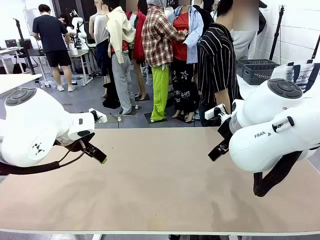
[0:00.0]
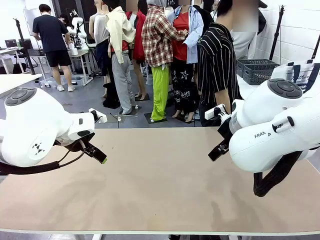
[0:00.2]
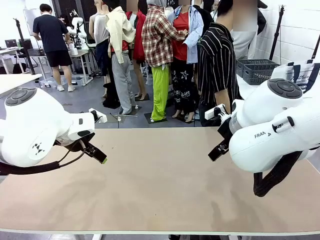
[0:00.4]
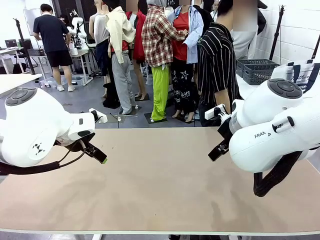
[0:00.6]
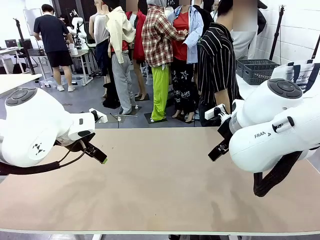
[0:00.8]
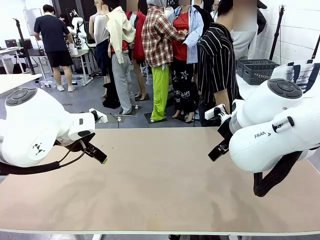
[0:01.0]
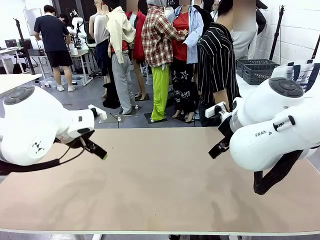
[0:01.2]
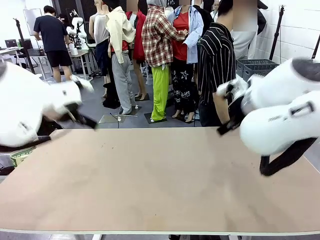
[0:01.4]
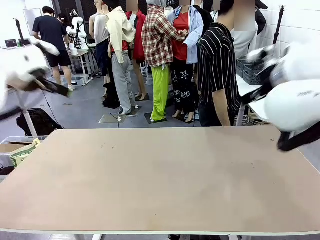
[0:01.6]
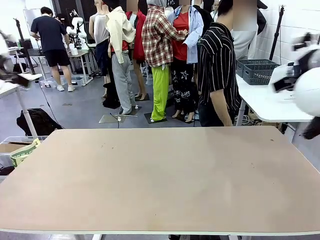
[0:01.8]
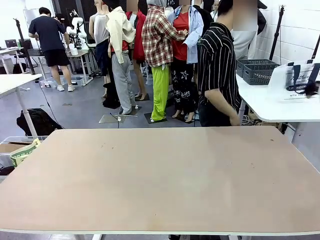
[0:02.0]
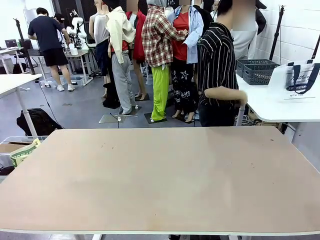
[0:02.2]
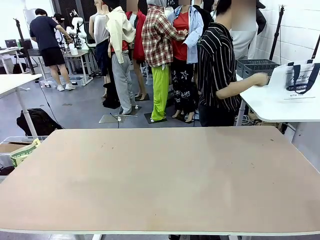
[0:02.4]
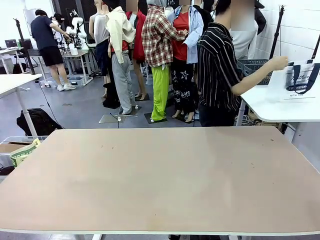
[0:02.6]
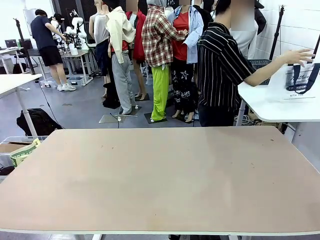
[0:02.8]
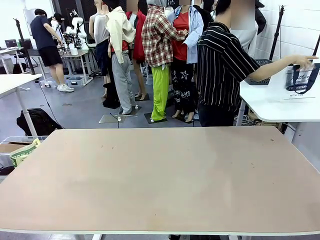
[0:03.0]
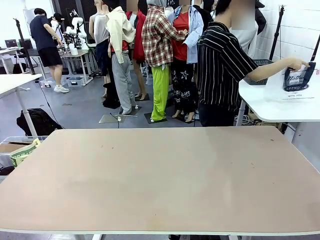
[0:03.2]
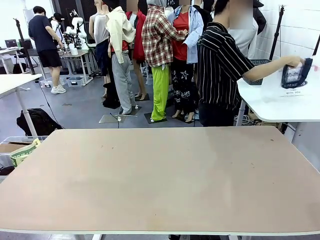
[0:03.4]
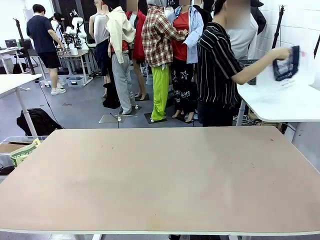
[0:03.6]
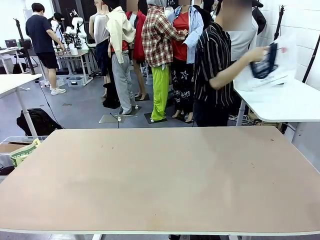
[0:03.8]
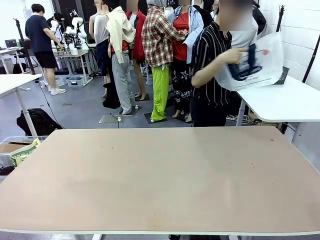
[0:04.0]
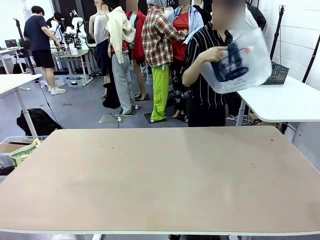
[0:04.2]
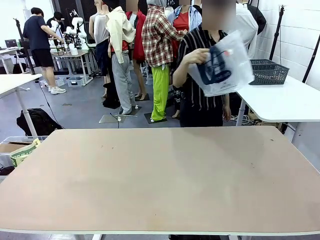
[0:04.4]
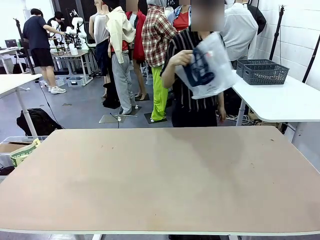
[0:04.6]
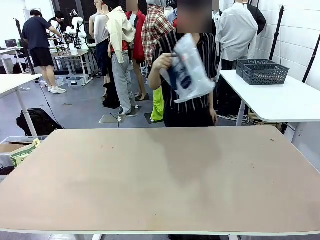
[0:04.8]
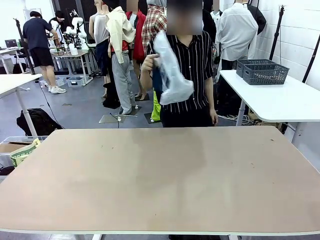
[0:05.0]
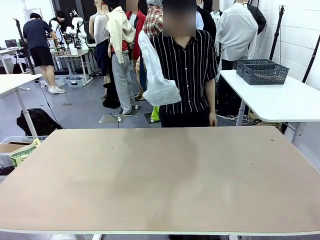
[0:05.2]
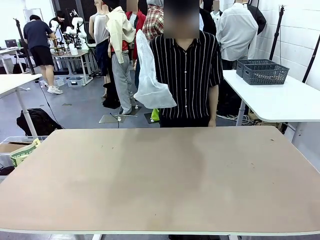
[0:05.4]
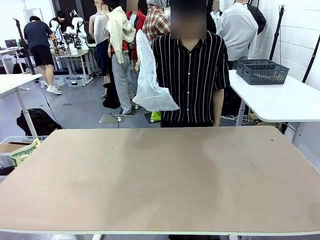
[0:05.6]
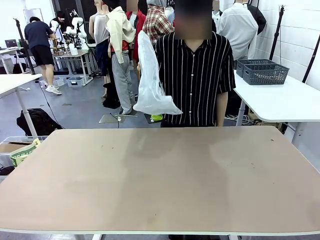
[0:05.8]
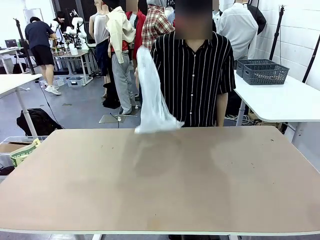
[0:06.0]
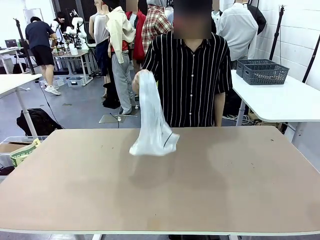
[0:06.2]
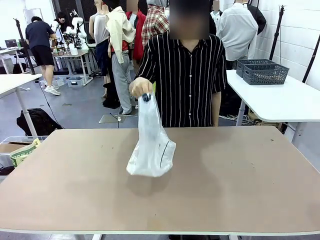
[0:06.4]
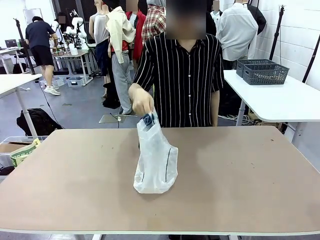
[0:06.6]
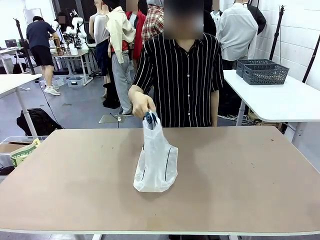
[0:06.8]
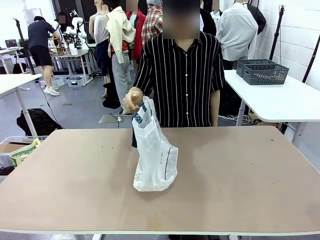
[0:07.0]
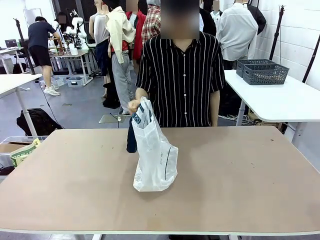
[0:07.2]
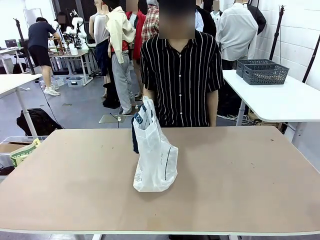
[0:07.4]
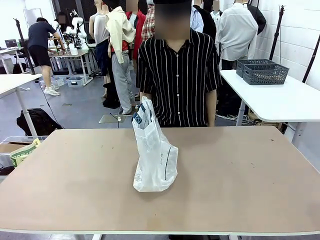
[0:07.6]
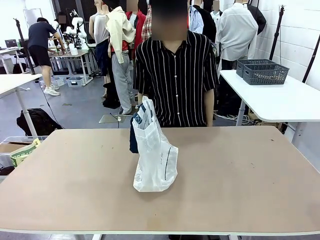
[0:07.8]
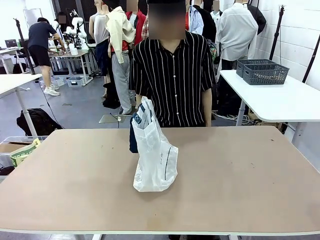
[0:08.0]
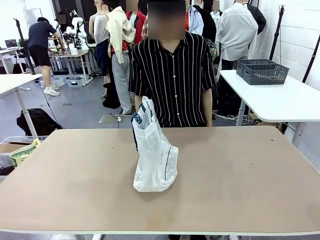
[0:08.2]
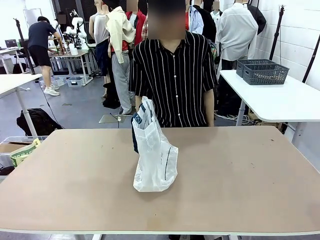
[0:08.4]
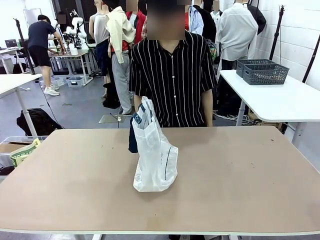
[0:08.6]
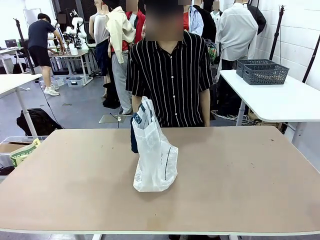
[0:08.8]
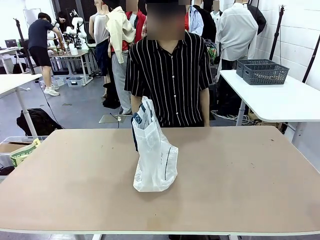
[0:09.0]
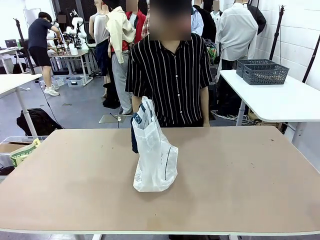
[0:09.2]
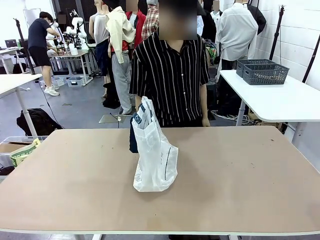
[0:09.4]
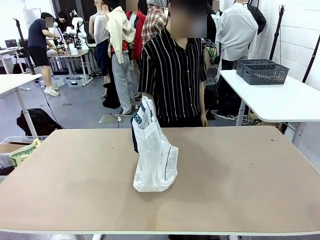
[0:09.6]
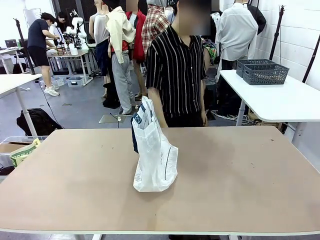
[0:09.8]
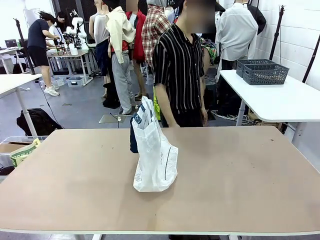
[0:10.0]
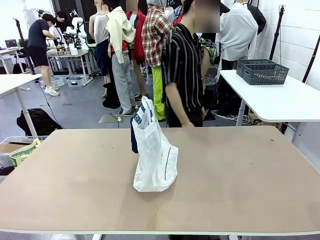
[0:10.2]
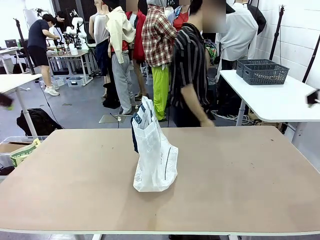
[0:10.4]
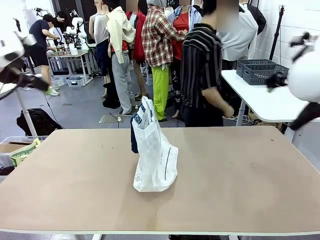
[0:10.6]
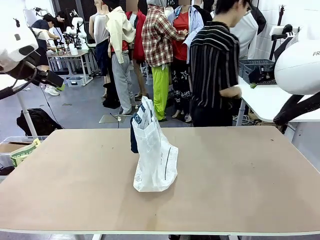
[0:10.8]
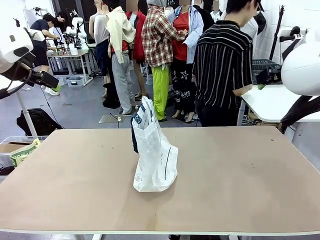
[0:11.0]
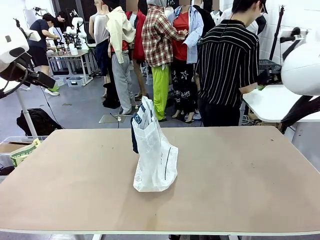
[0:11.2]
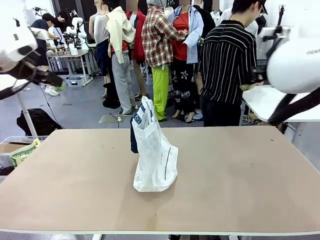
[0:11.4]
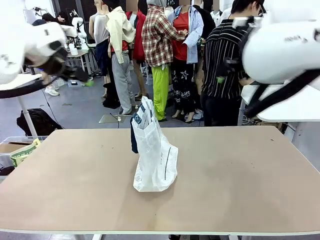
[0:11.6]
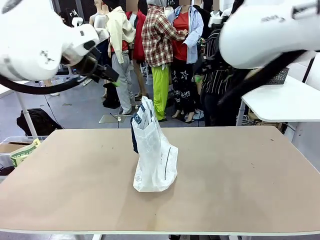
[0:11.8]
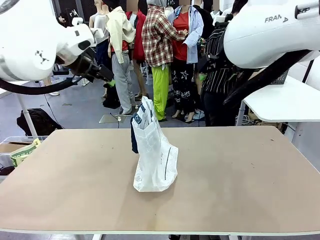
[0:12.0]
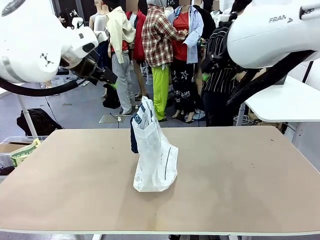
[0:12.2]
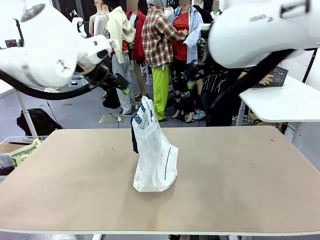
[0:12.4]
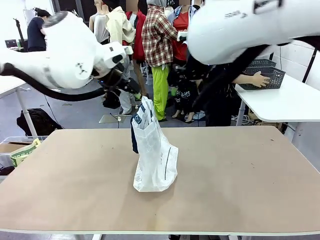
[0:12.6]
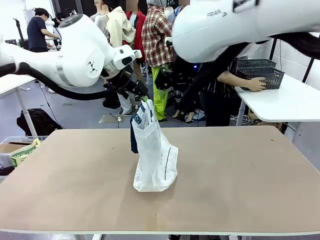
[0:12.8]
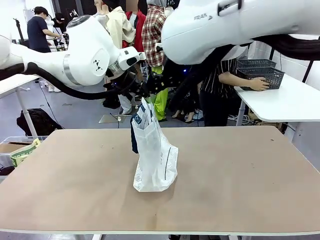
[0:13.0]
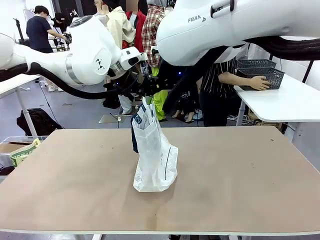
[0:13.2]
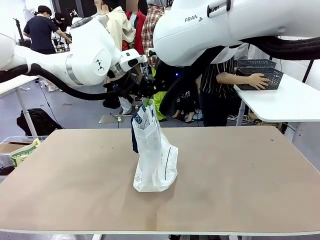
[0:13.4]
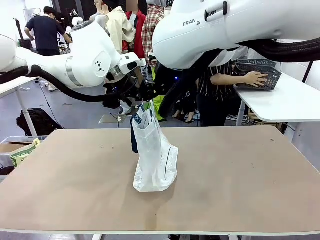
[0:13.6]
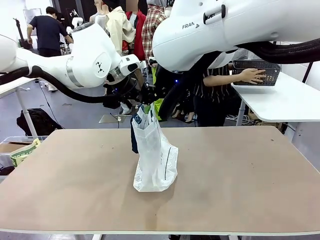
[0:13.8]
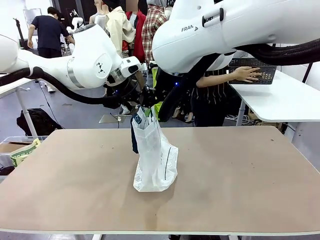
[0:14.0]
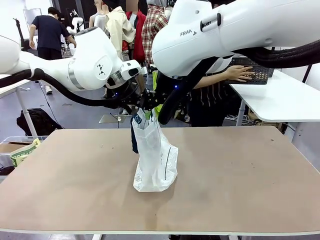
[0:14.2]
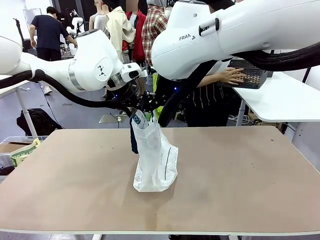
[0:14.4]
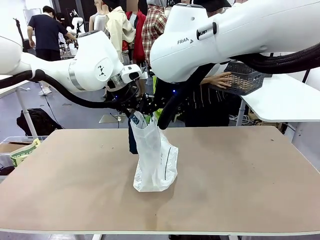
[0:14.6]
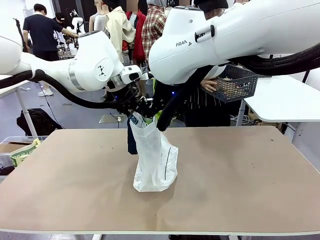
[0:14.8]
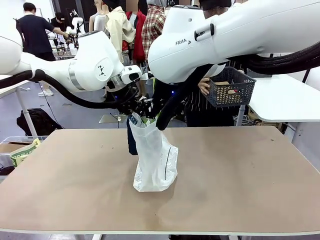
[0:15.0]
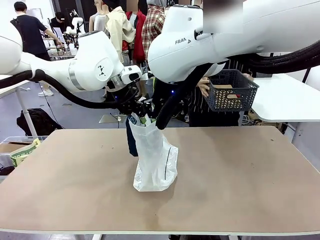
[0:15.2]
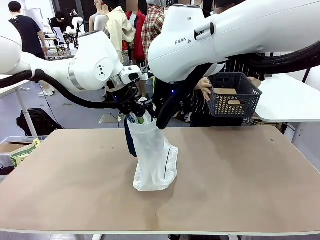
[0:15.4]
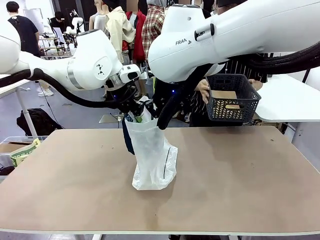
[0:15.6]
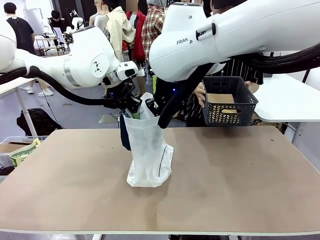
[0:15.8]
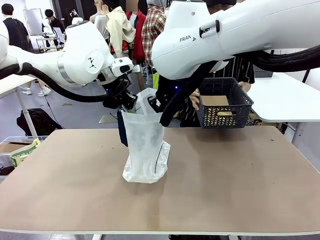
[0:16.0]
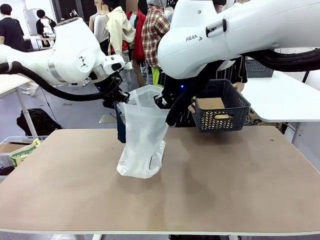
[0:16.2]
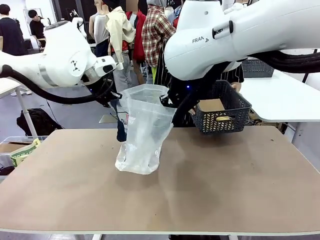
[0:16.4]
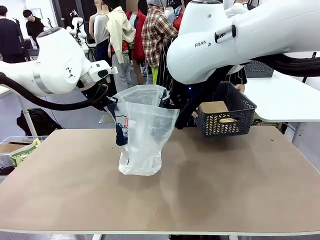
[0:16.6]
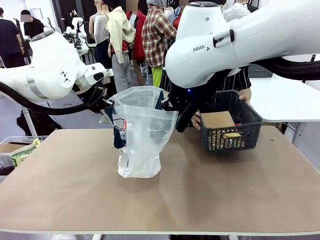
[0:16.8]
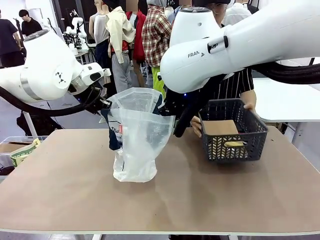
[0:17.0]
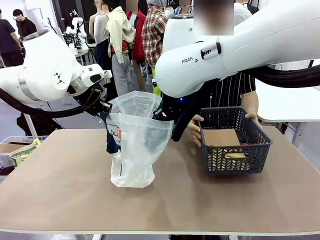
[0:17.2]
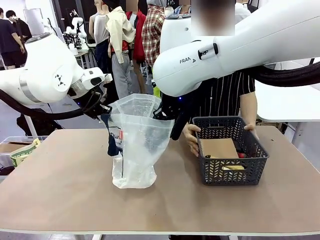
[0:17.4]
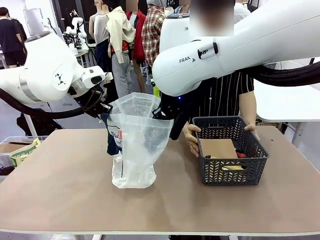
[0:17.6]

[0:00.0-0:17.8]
Task: Transfer purchased items from the store into the shopping bag.
Robot: Open the Reusable shopping bag in the center of the table.
Person: Pick up the shopping bag and place it in the middle of the robot table. Pick up the basket on the right, place it on the left side of the robot table, and move the items in the basket to the shopping bag.
